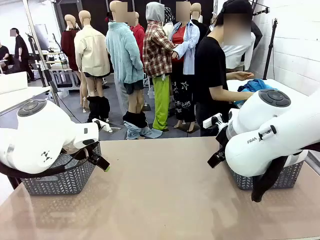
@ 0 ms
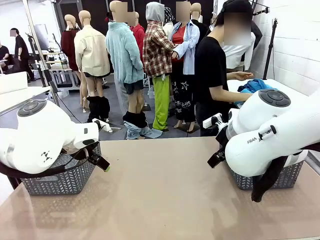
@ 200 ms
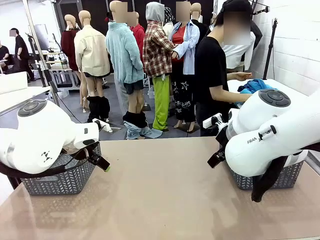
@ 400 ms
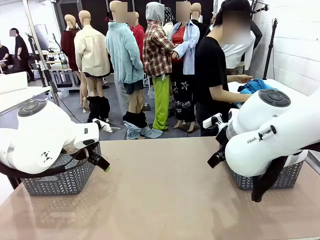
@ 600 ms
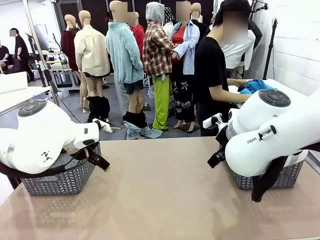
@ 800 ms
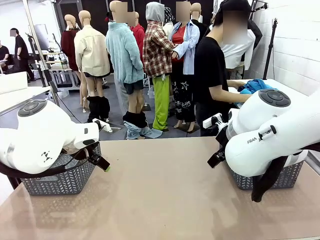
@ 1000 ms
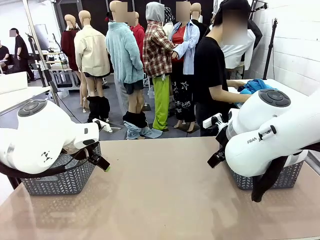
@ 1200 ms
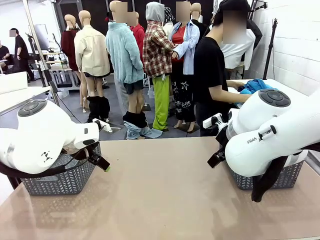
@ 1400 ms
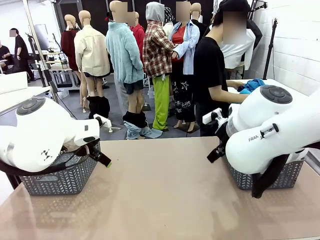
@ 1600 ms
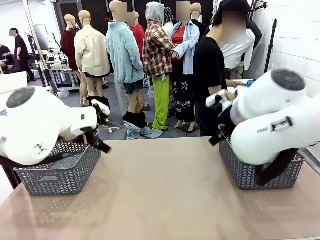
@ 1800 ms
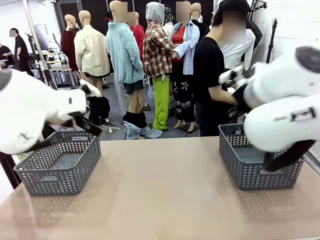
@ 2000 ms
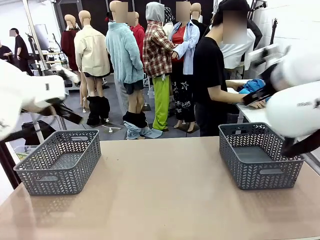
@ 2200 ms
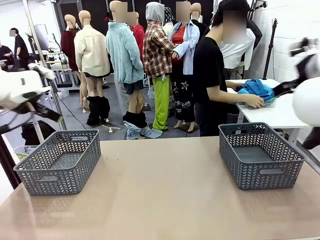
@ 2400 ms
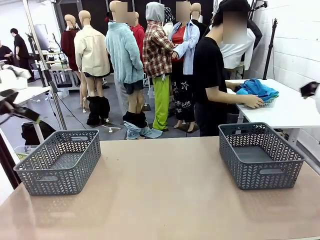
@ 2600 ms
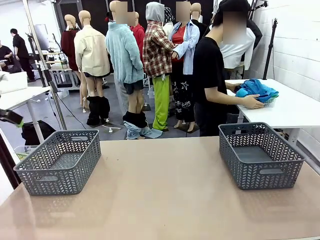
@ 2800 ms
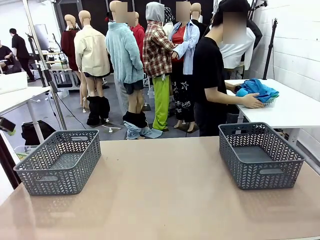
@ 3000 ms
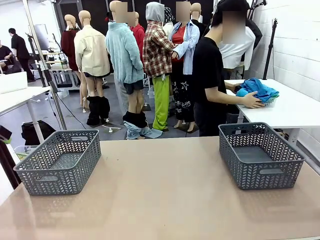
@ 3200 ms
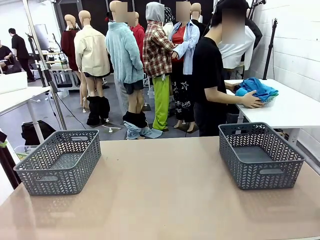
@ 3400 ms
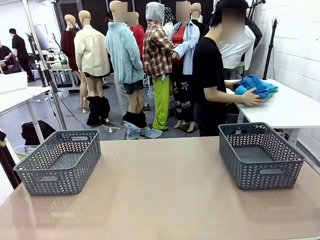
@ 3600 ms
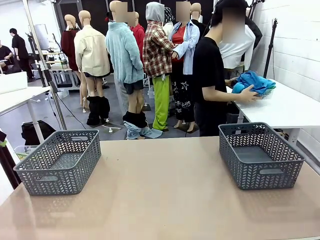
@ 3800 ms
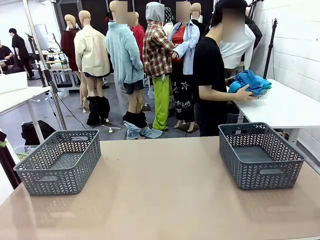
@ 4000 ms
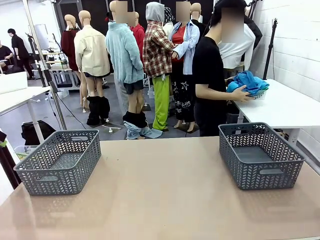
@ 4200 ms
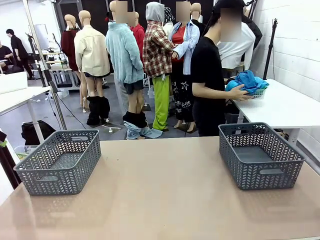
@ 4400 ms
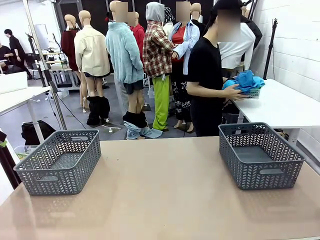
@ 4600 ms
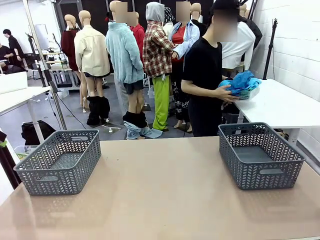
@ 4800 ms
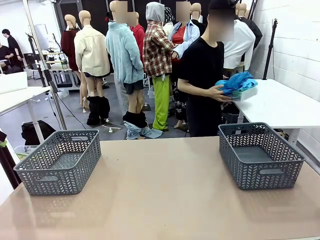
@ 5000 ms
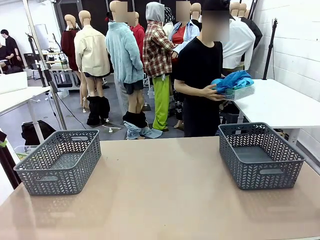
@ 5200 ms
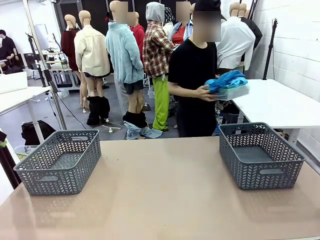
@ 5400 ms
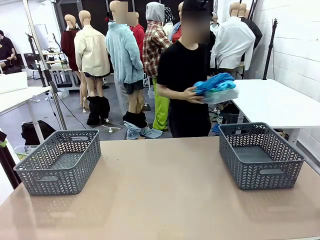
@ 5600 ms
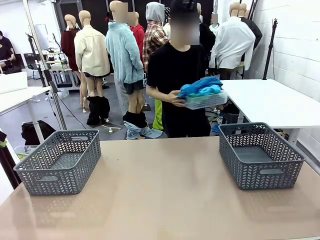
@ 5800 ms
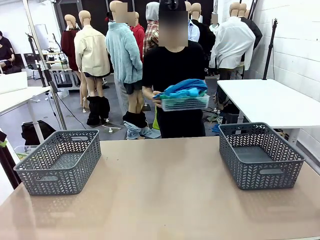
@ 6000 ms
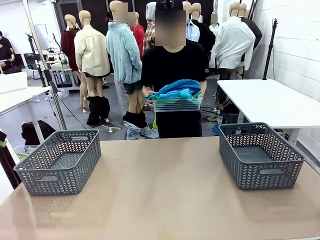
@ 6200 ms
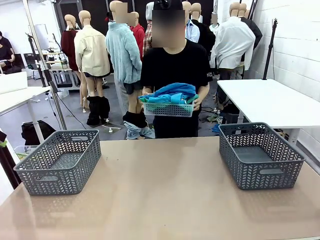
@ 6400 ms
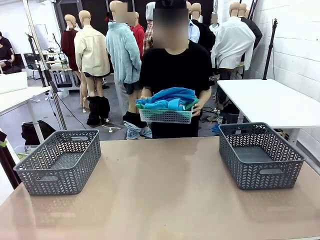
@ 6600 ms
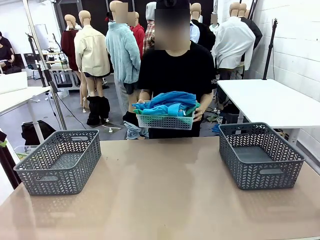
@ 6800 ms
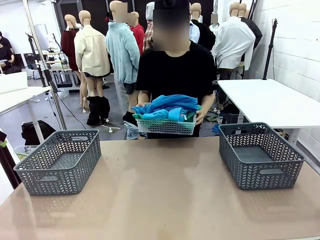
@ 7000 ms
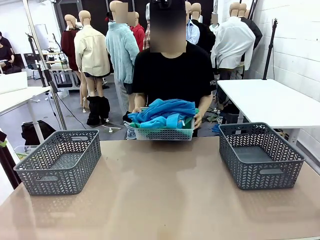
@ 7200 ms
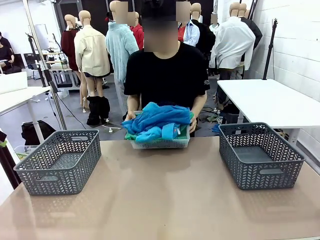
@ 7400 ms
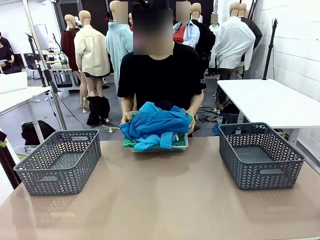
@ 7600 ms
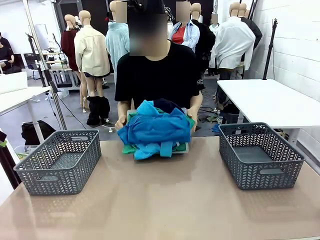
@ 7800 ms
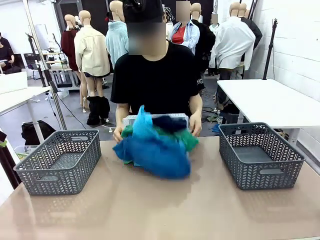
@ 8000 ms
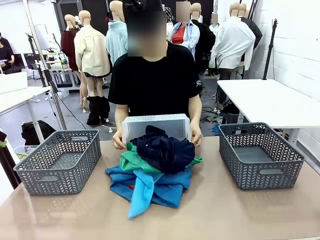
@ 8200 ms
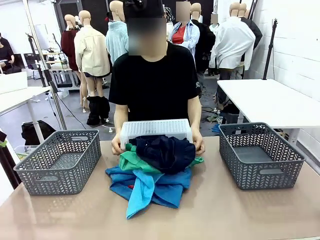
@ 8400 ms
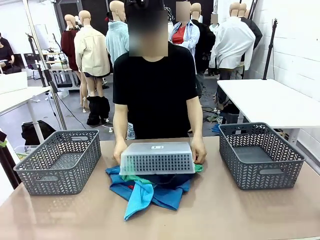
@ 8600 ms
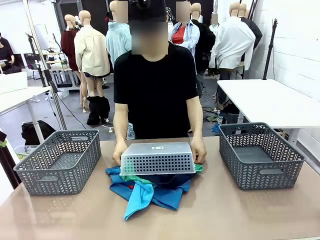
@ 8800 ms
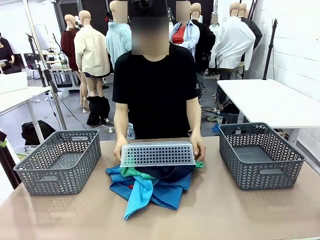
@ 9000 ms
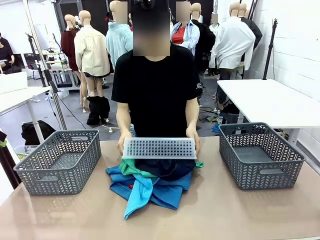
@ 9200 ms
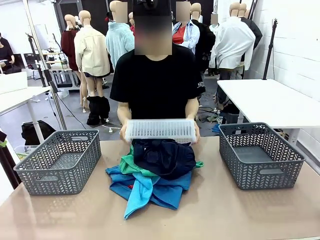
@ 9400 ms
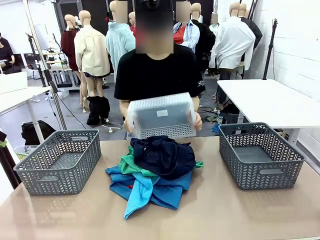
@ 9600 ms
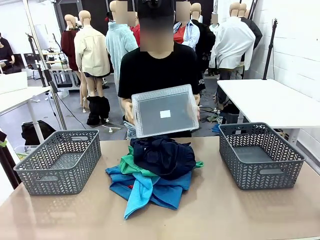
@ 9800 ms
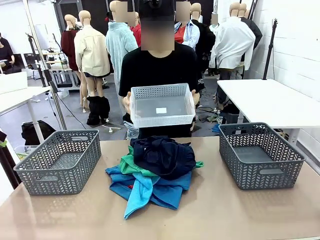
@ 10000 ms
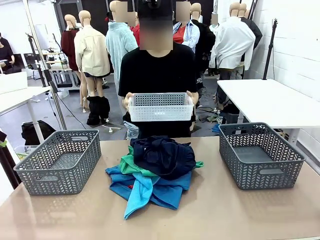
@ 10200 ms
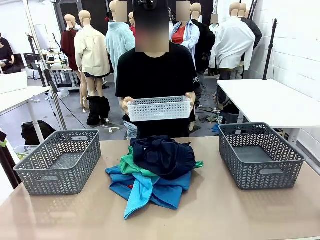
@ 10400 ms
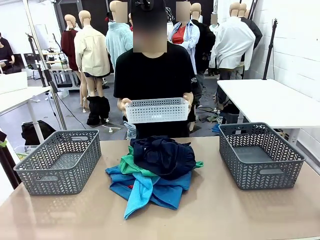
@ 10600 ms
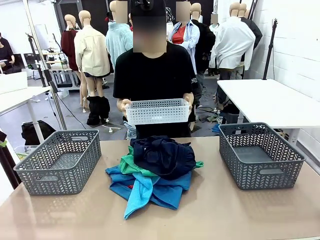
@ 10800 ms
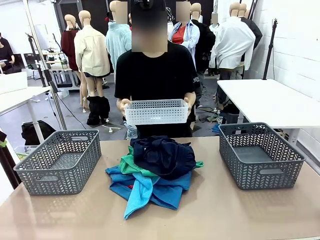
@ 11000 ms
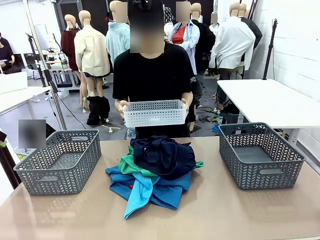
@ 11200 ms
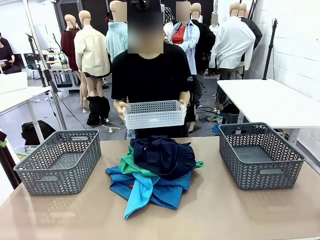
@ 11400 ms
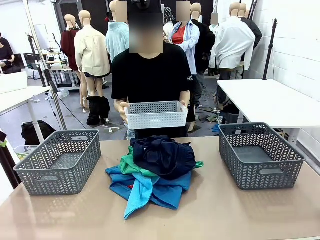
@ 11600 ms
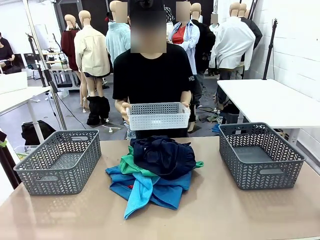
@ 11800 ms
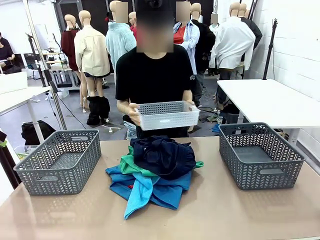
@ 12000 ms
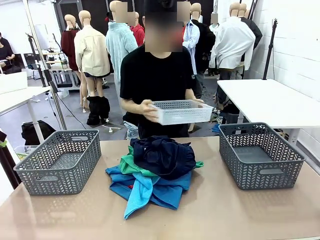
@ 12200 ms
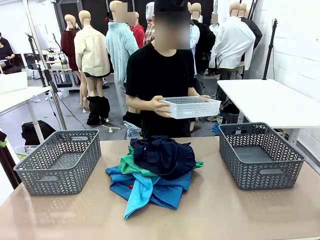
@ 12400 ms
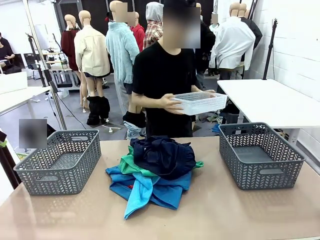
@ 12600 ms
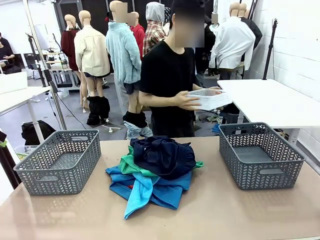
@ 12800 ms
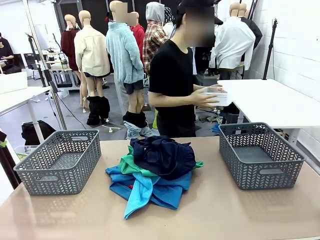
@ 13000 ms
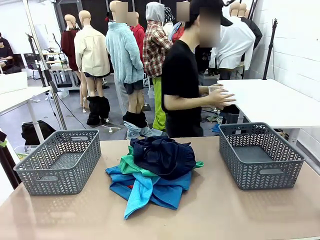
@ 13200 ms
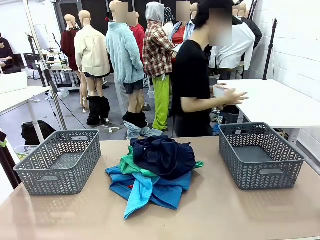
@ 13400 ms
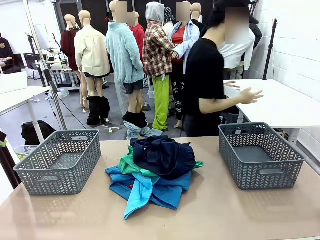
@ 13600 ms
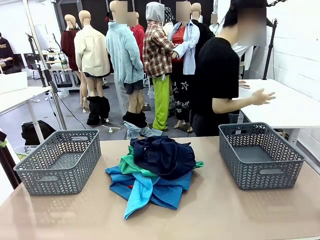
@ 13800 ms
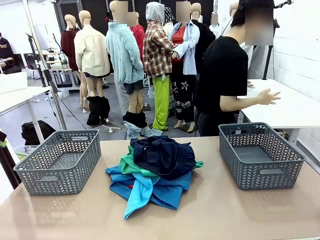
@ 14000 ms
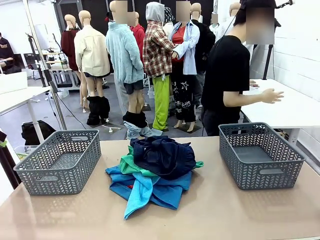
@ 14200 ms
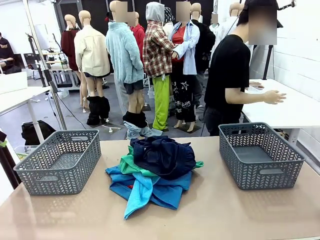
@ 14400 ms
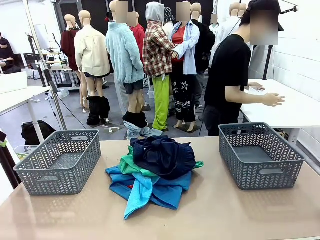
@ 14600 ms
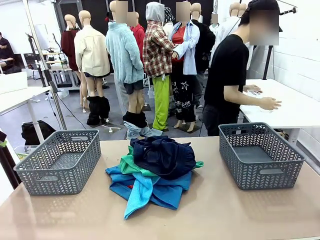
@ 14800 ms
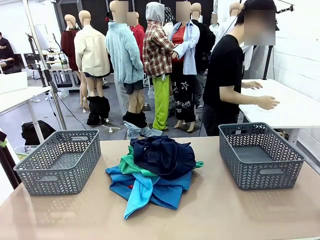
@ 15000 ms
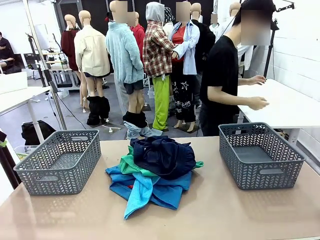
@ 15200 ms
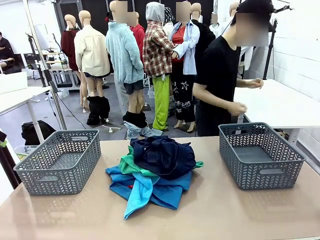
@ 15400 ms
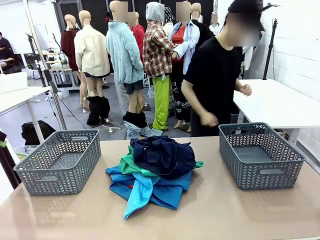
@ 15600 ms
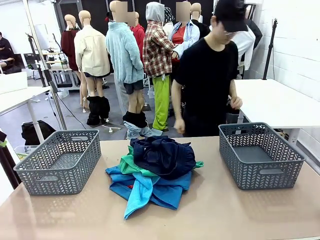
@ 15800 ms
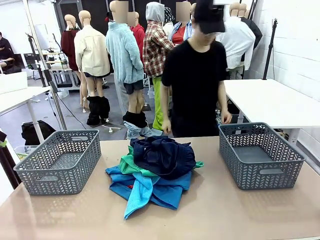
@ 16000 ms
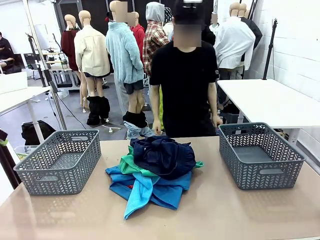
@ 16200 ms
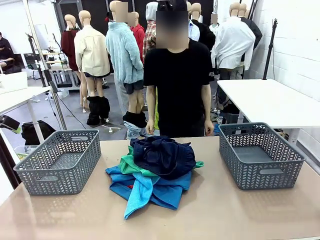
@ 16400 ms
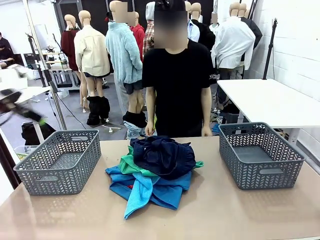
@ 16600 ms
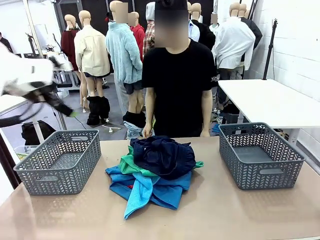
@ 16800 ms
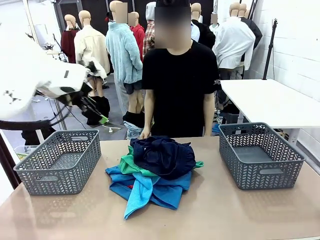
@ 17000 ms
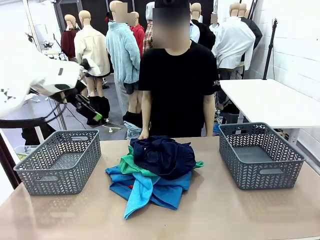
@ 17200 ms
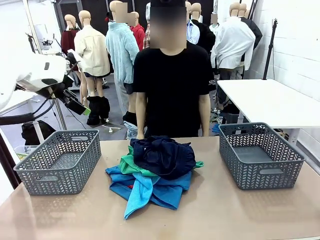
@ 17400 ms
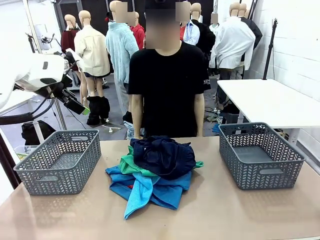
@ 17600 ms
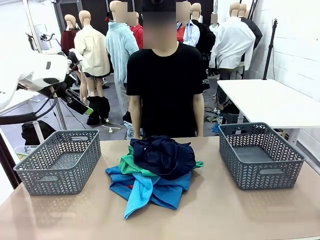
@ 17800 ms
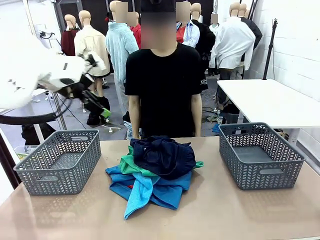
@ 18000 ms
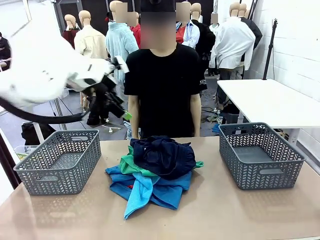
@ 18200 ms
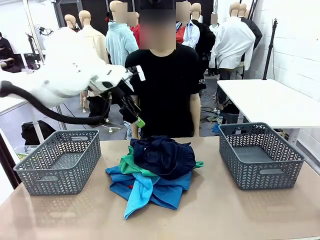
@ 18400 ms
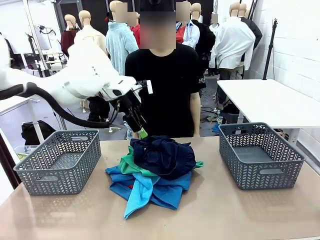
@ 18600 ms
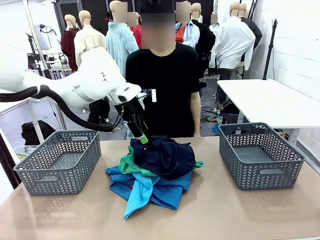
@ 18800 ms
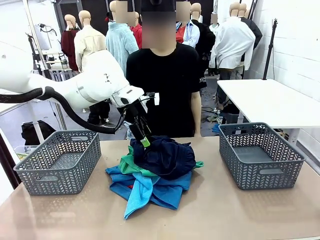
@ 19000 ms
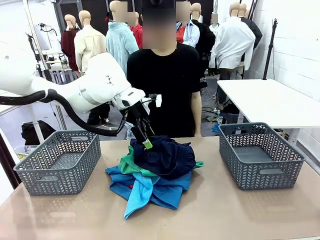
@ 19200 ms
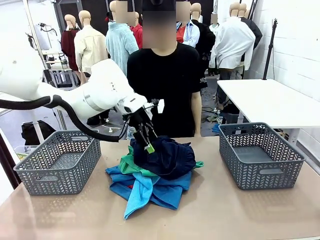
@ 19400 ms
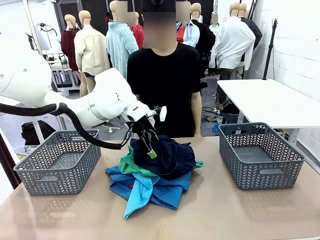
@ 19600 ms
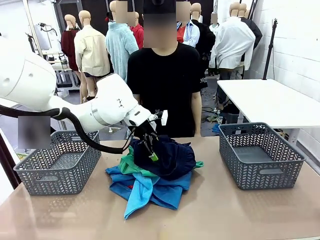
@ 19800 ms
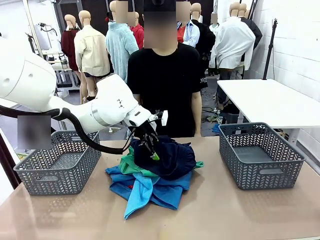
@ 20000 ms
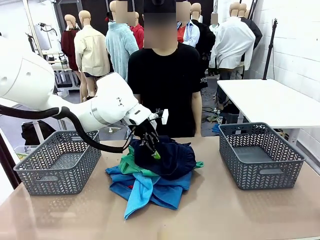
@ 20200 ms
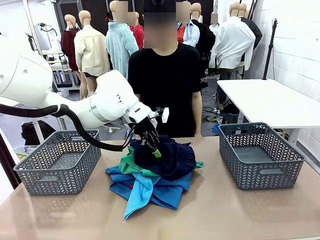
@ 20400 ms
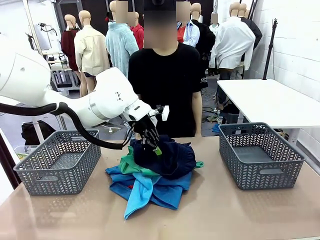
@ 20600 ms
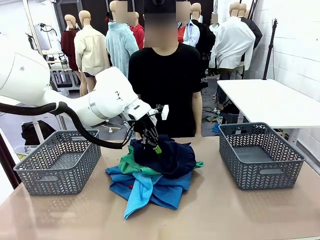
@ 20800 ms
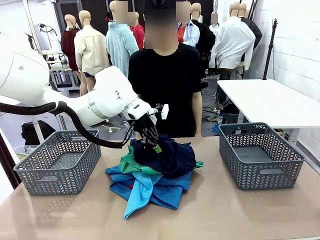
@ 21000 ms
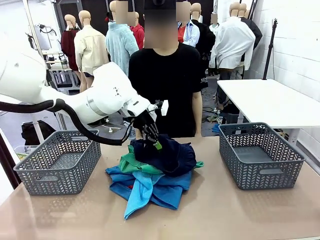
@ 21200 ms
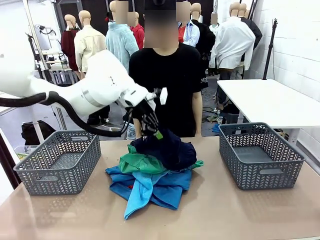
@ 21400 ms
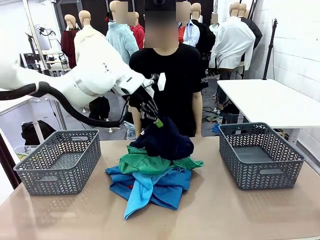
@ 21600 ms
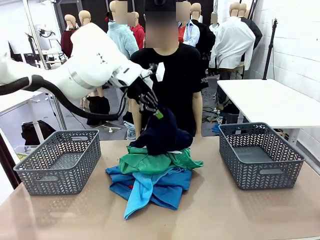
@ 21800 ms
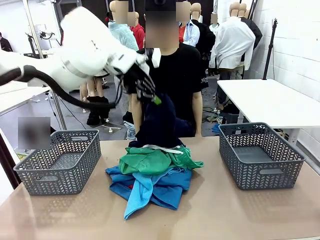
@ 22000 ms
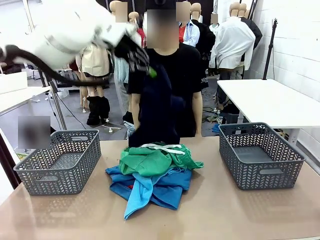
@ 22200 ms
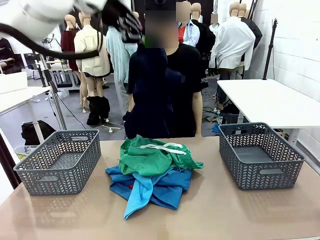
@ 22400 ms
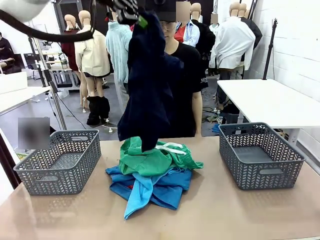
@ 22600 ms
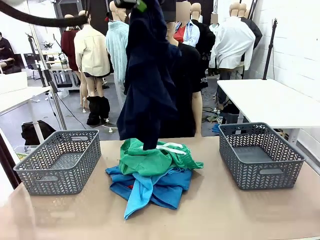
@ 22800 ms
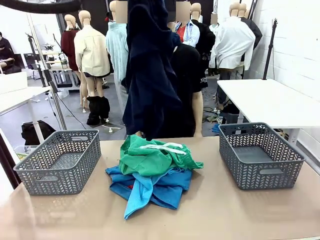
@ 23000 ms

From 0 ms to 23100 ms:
Task: Sort the tops and bottoms.
Robot: Lift clothes from the center of the table with your left hand.
Person: Pour the clothes from the basket onto the center of the robot table.
